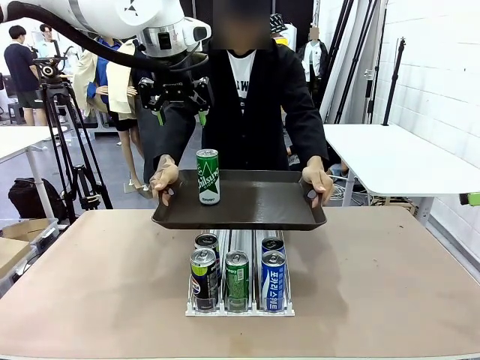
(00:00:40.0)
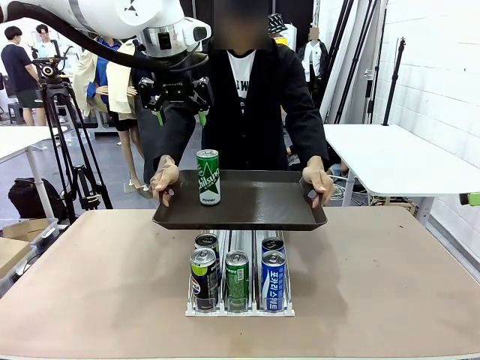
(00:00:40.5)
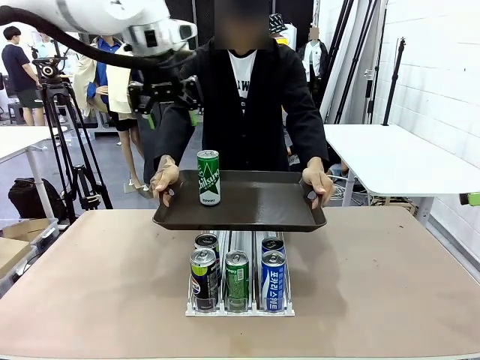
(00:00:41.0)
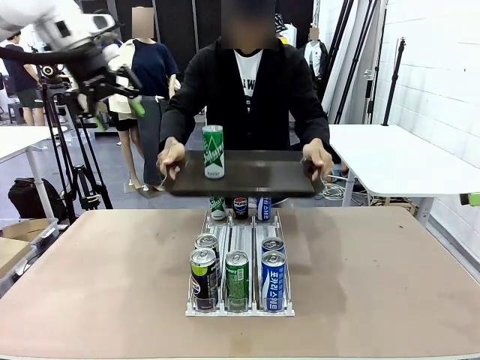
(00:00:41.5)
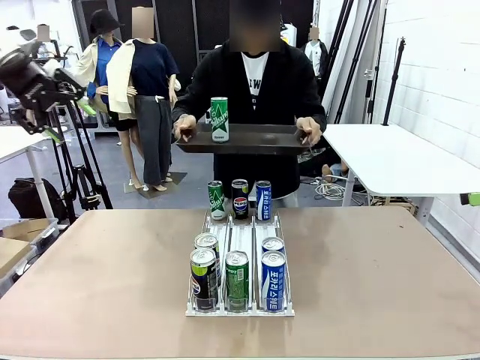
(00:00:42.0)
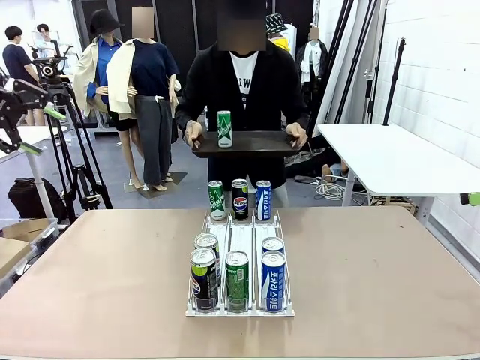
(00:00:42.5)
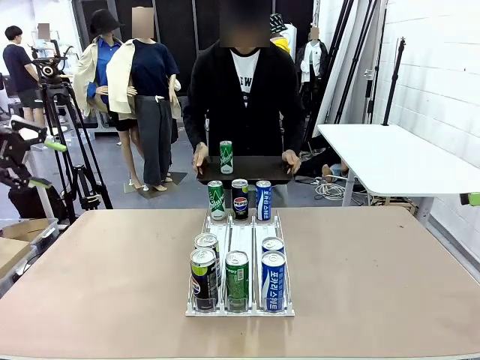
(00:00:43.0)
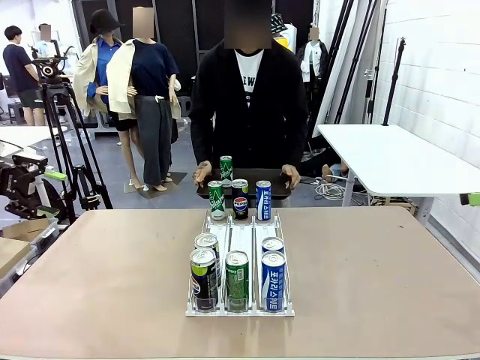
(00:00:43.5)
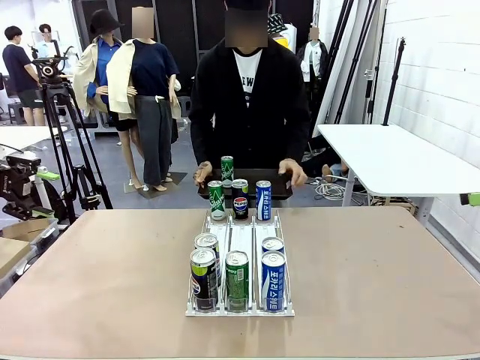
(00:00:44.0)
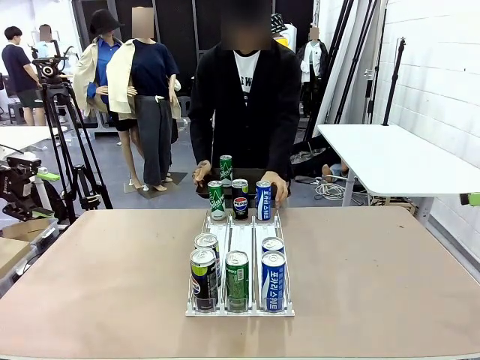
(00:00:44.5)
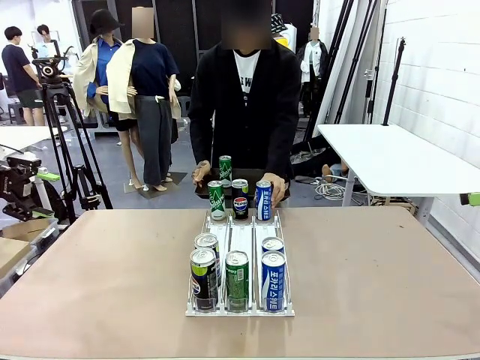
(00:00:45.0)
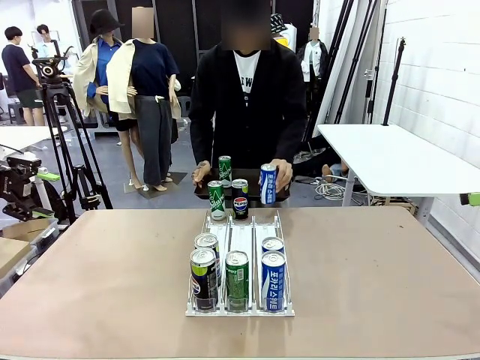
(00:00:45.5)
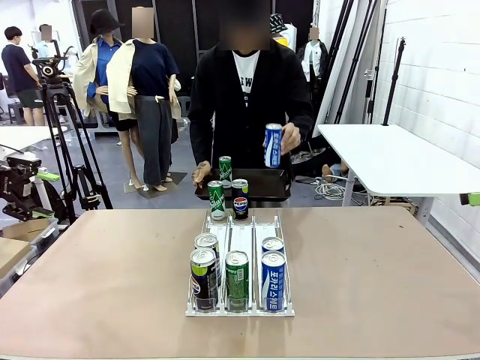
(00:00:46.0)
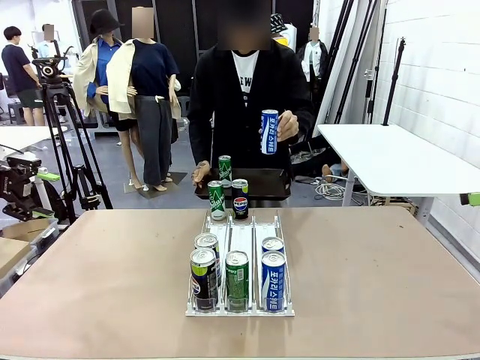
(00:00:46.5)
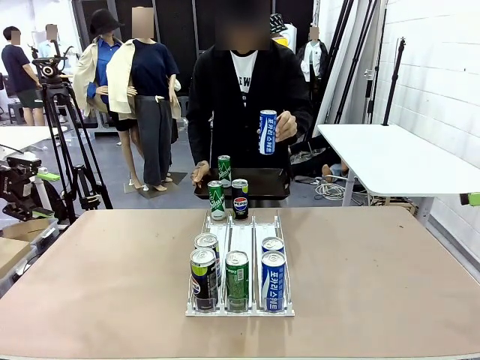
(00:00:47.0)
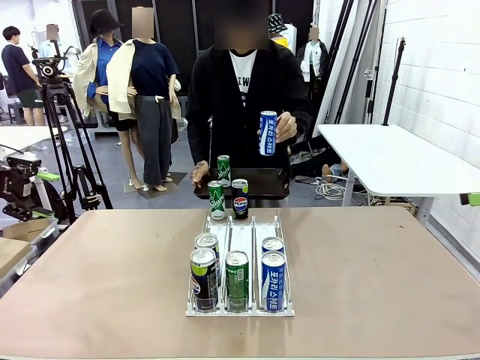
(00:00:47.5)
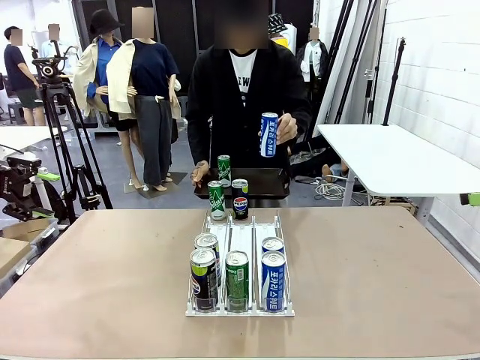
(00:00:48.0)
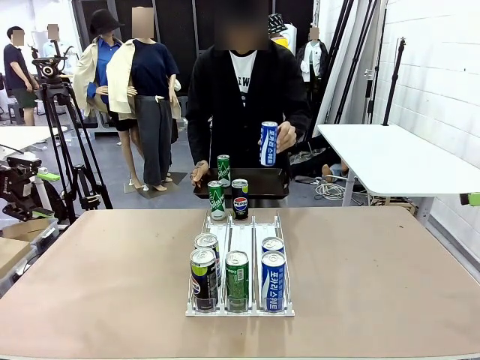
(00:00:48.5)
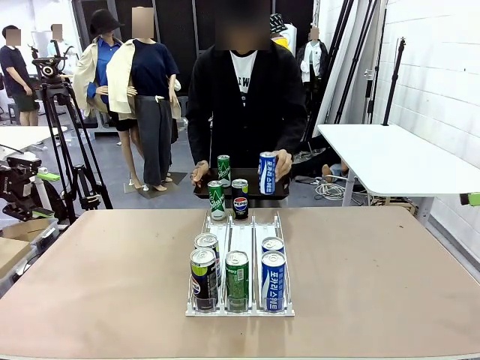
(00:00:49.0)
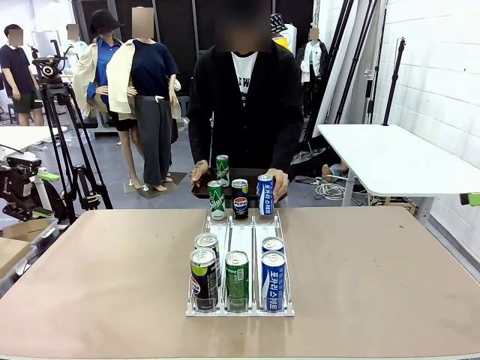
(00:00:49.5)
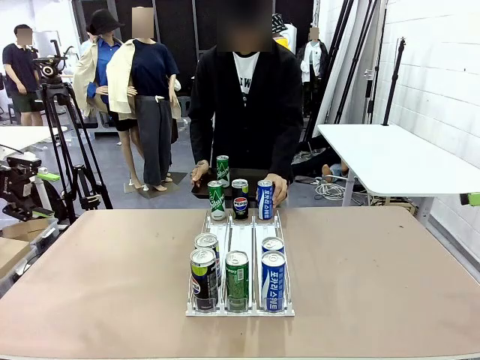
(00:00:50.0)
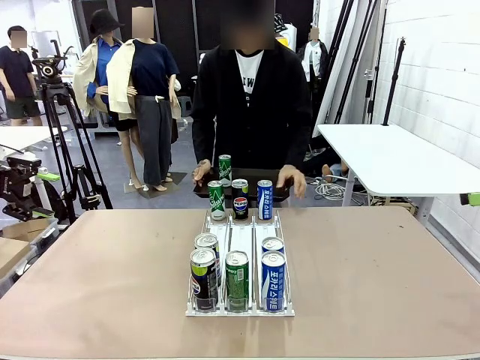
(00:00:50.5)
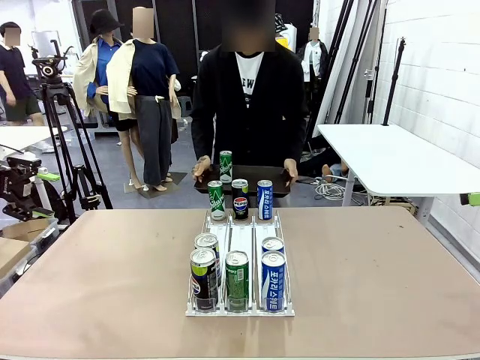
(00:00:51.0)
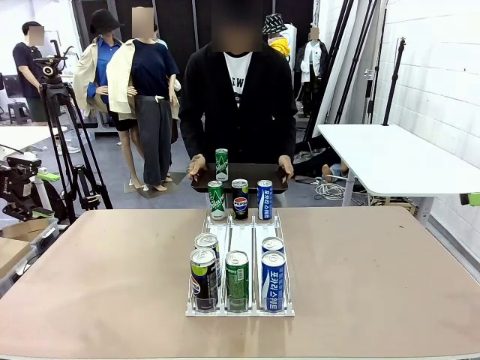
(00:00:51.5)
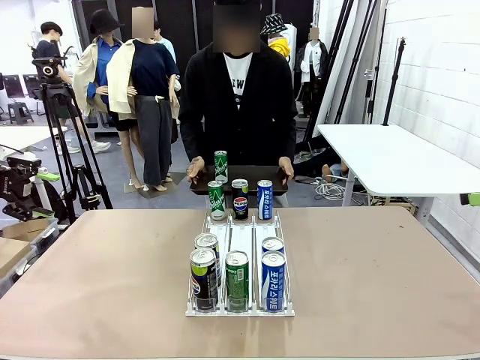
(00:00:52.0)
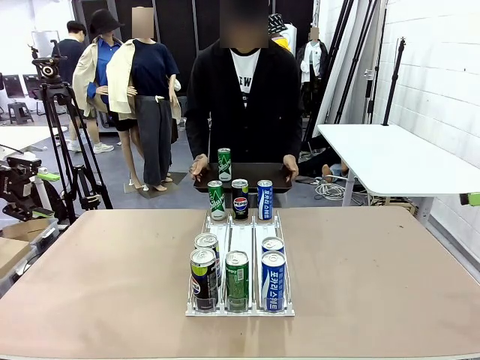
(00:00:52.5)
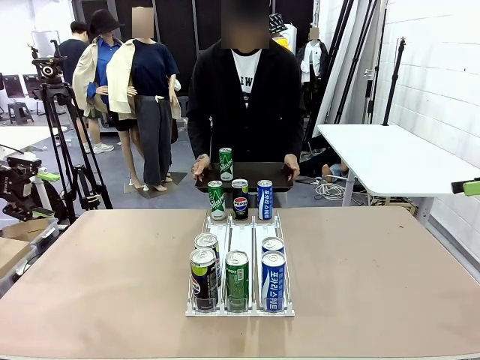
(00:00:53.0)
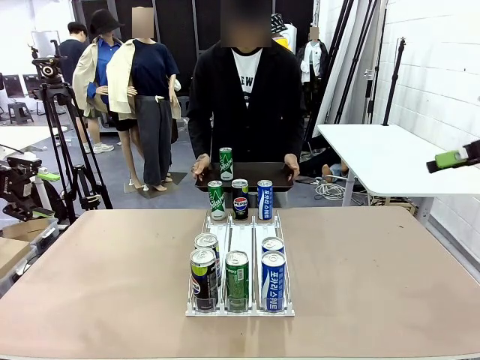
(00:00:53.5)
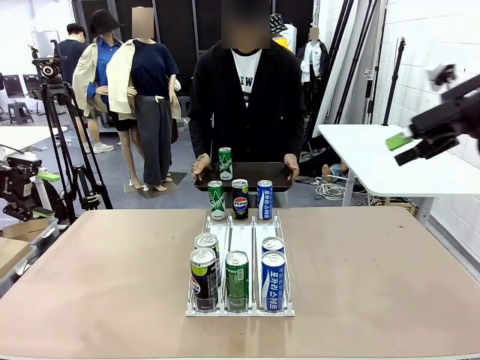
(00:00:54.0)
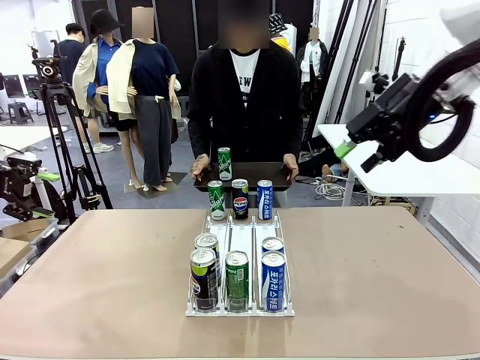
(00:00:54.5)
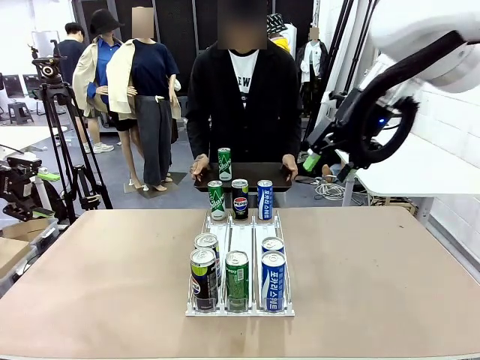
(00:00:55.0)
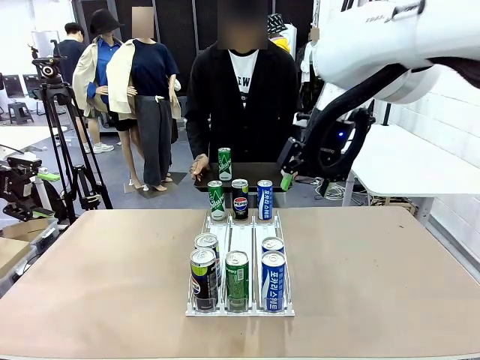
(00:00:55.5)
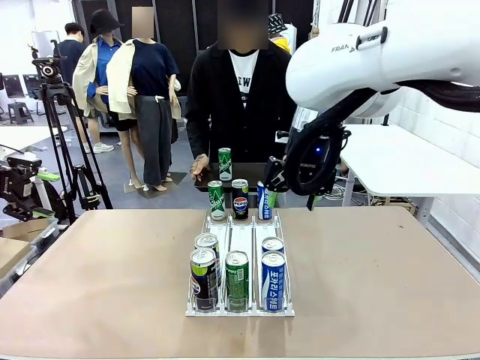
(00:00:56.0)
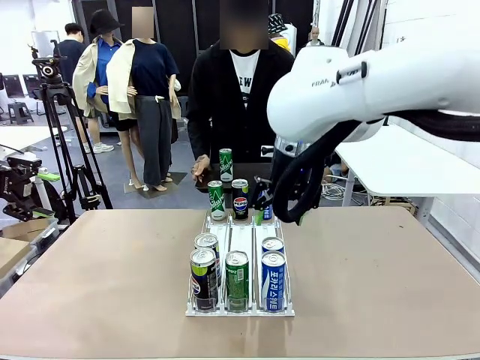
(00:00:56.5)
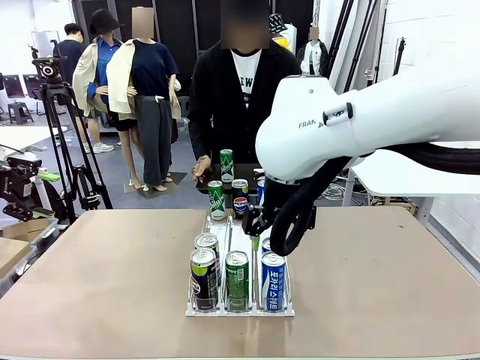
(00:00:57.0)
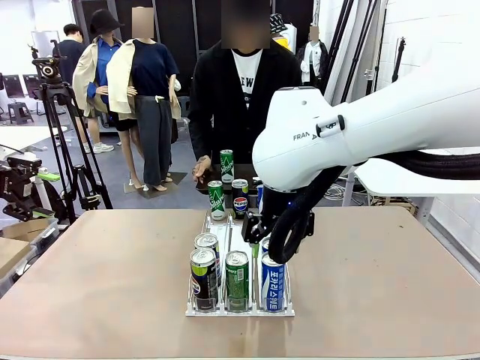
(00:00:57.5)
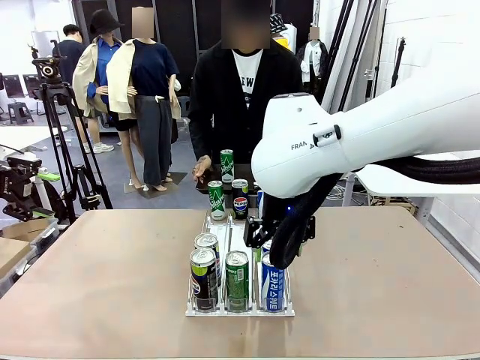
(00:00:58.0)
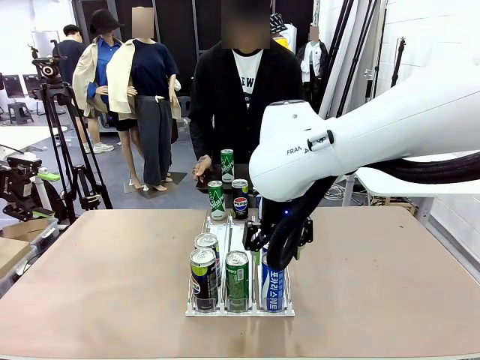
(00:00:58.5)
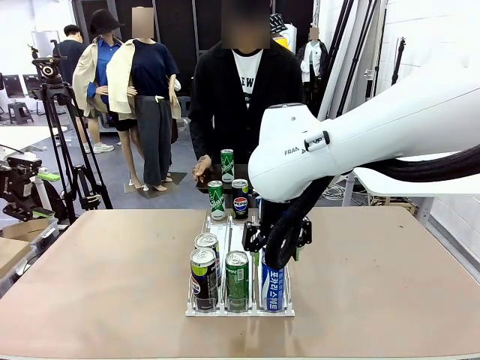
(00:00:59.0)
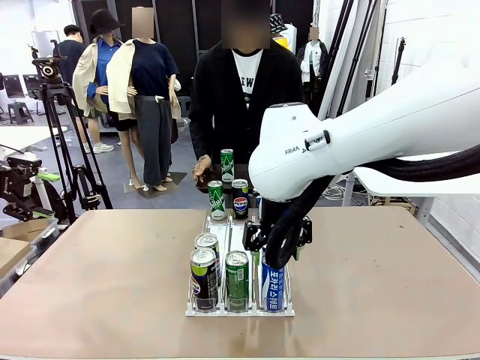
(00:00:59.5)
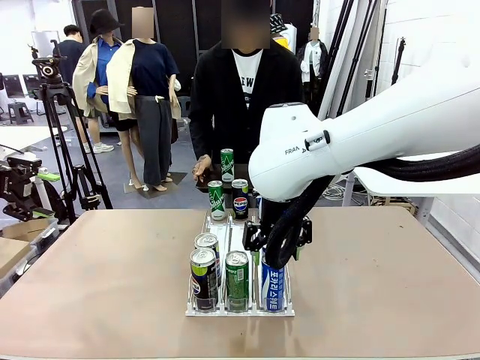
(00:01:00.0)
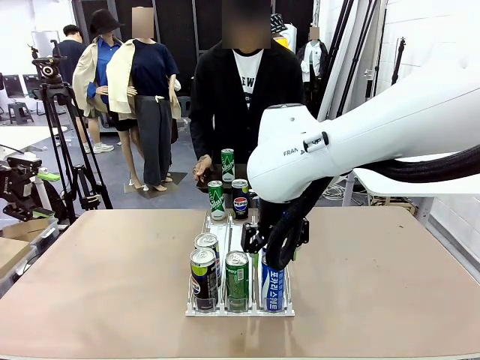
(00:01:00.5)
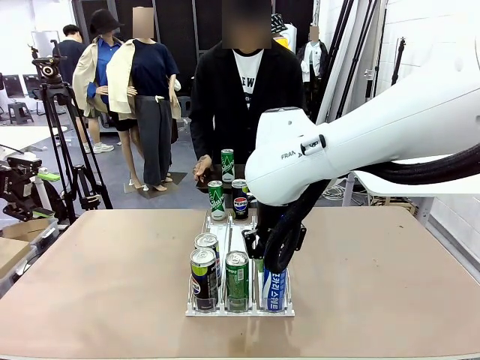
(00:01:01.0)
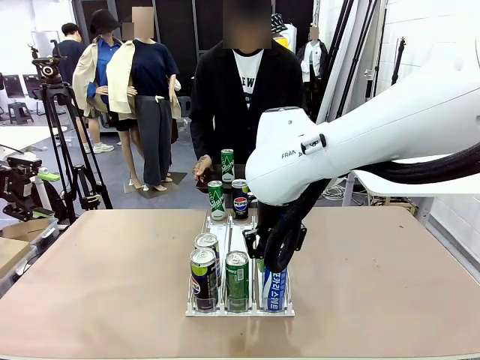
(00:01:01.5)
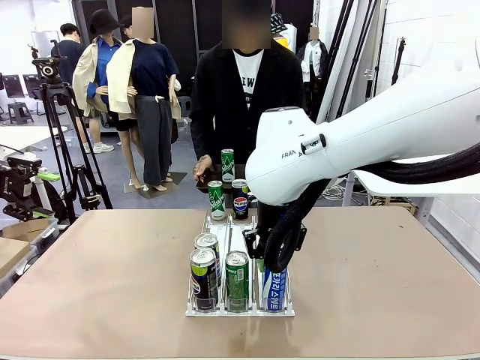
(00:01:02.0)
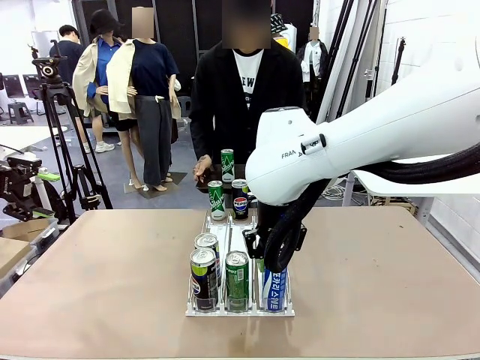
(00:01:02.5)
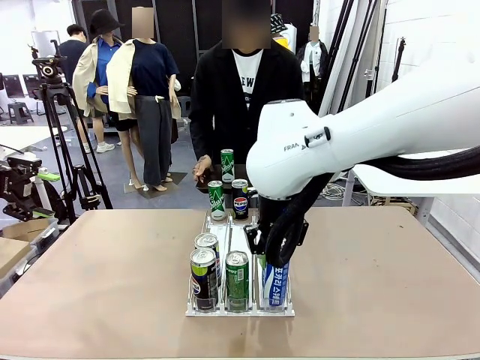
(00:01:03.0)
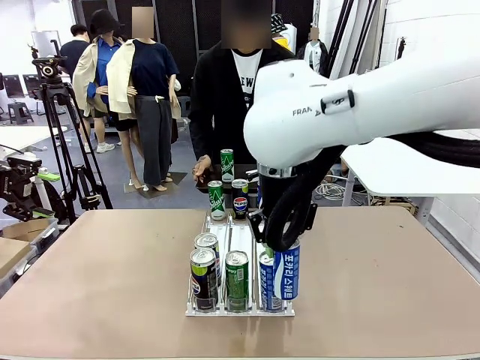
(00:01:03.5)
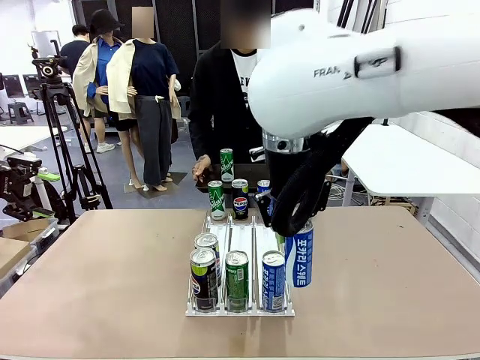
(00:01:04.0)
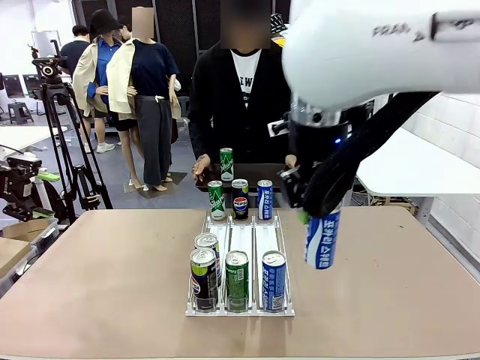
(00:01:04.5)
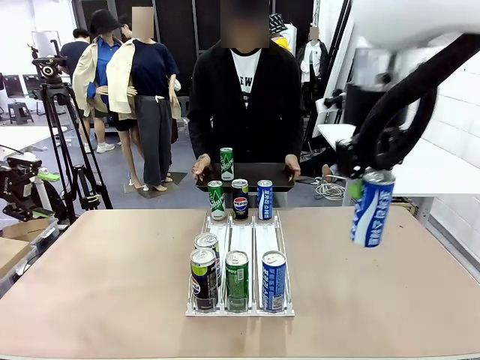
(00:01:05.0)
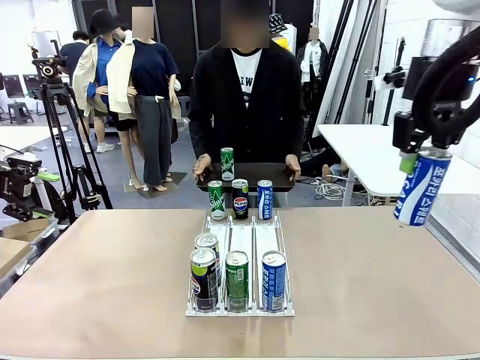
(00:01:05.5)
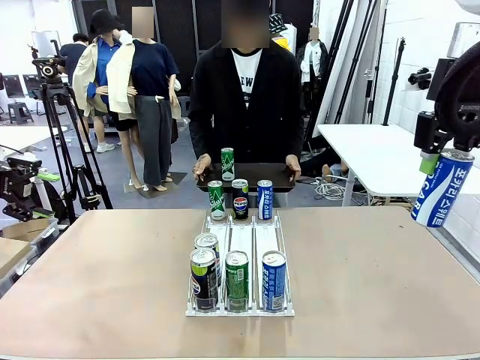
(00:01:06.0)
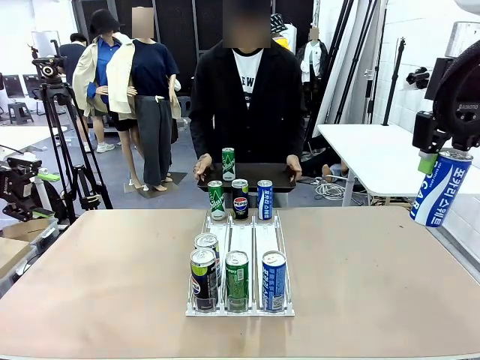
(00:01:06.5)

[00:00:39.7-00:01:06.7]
Task: Retrieve and hand over the desired beverage to the person.
Robot: Pick up another can of the same type that the person held from the Automatic Can Dispenser.
Person: Pull the tray back, then pick up another can from the bottom area of the table and puts it back in its original place. Push the tray toward the robot again.
